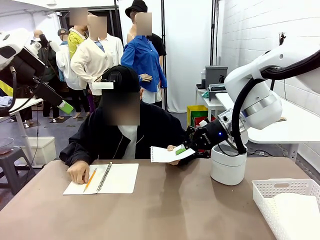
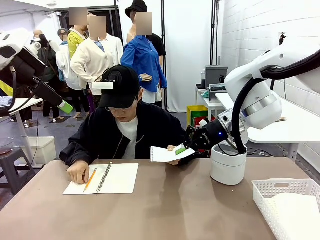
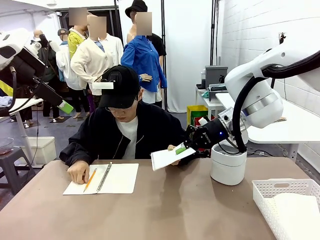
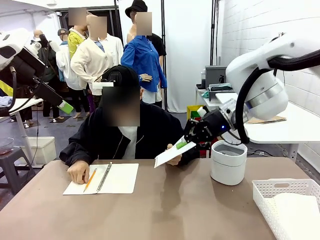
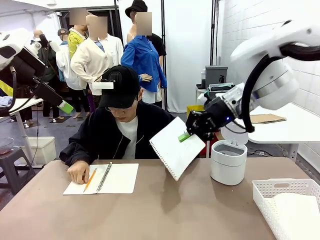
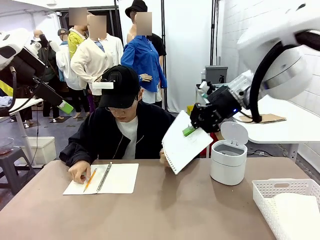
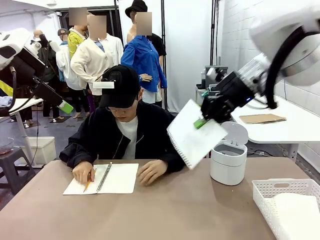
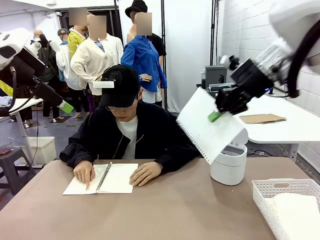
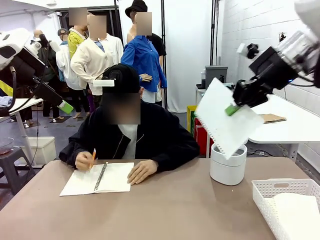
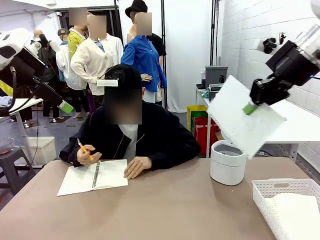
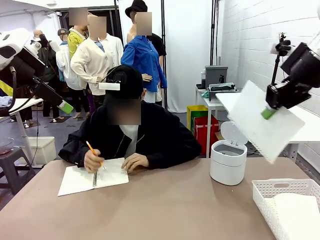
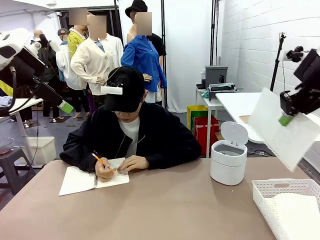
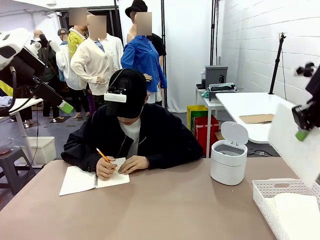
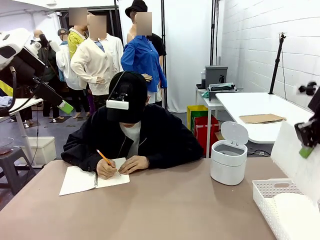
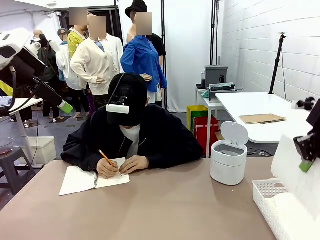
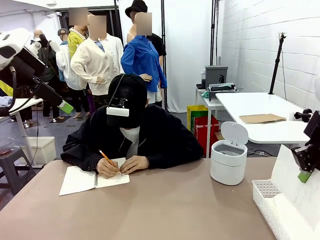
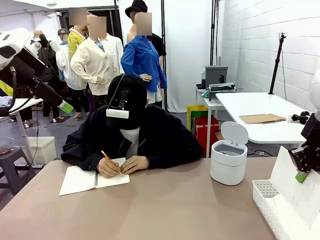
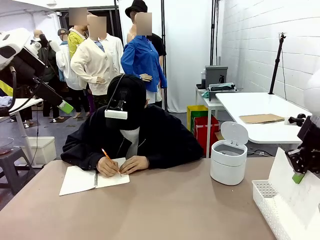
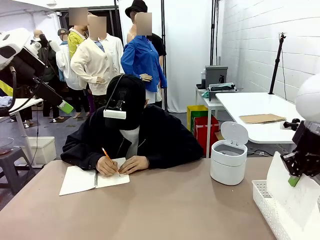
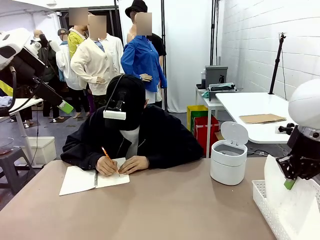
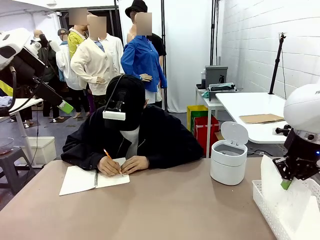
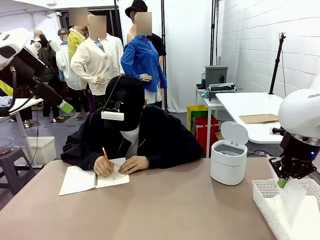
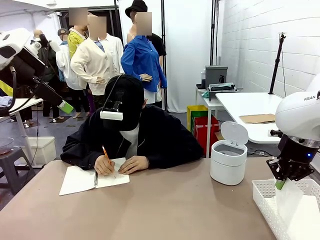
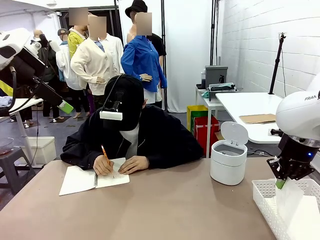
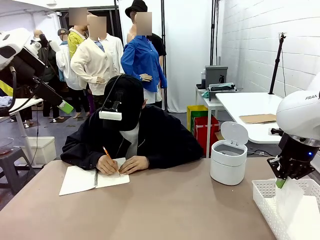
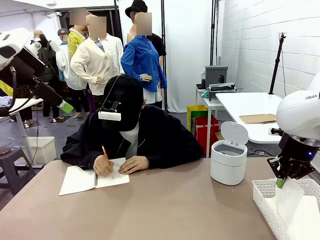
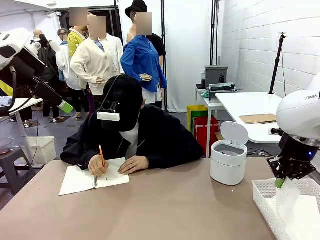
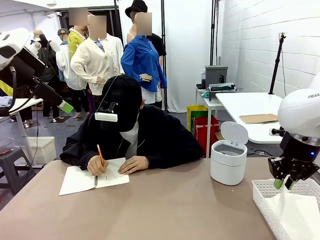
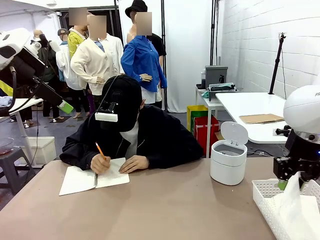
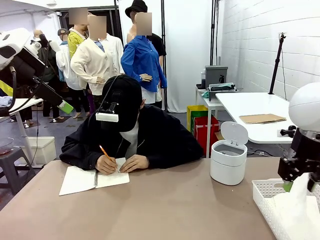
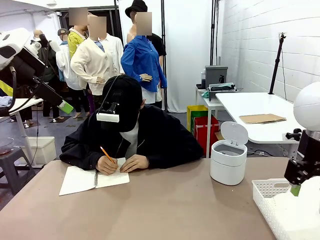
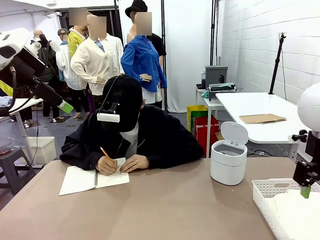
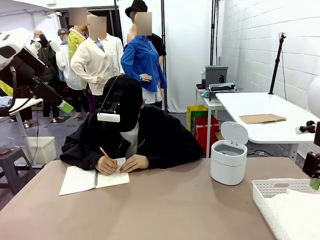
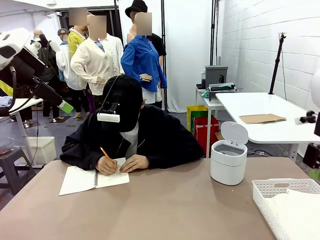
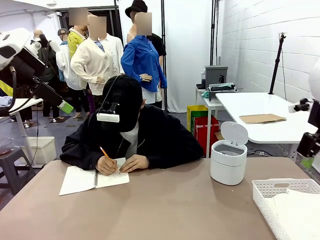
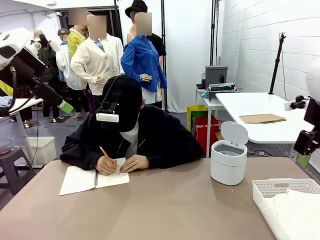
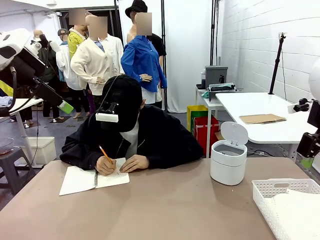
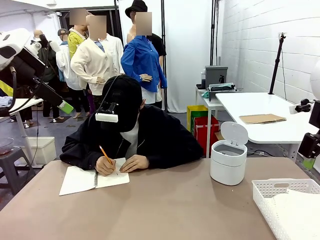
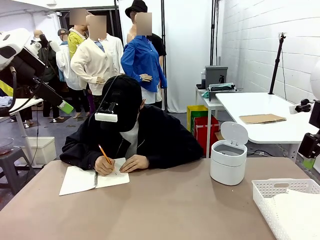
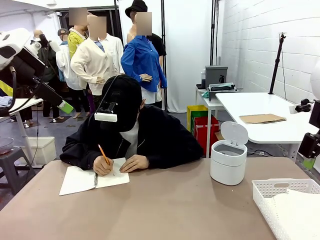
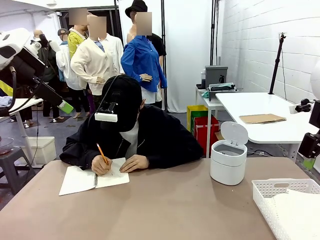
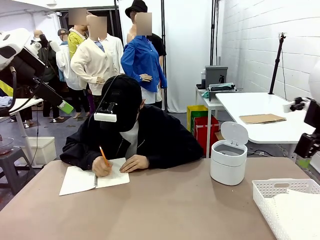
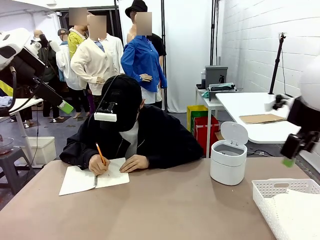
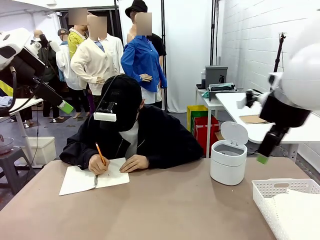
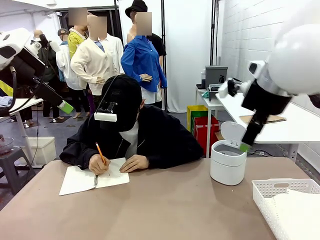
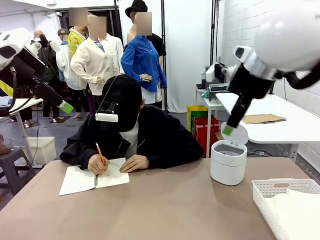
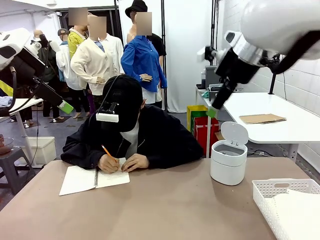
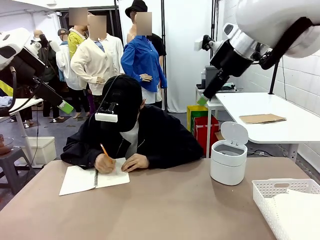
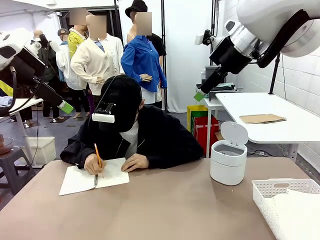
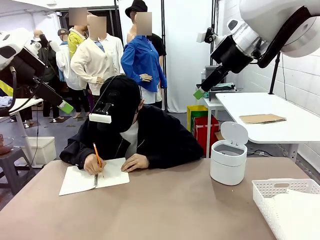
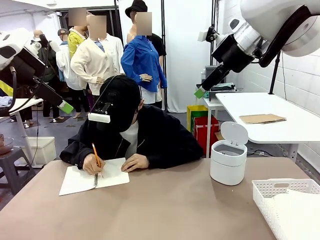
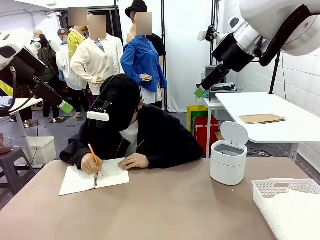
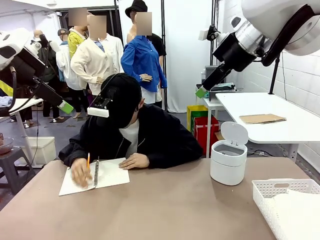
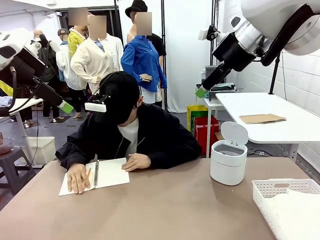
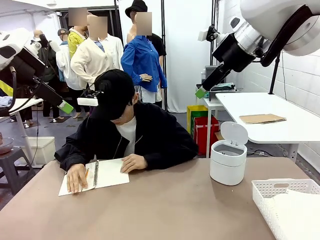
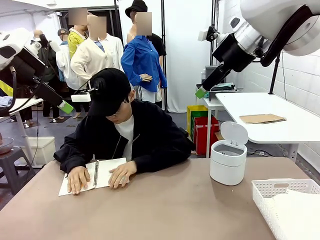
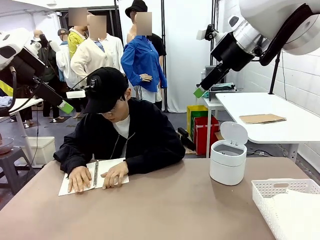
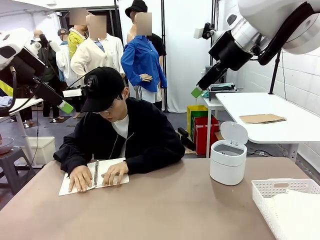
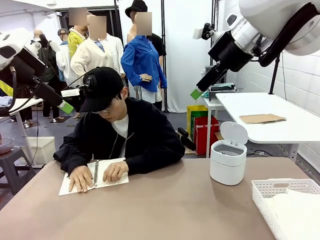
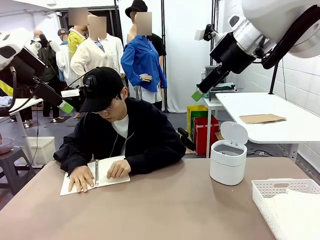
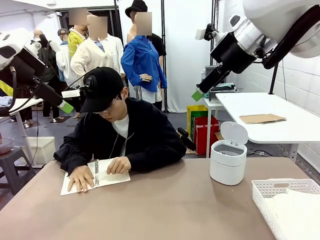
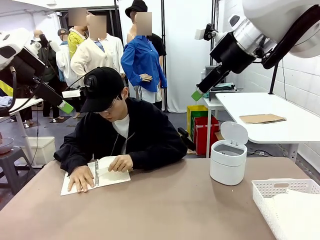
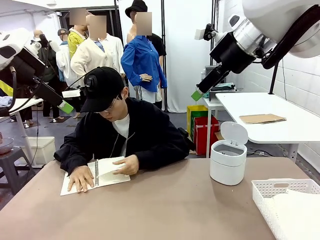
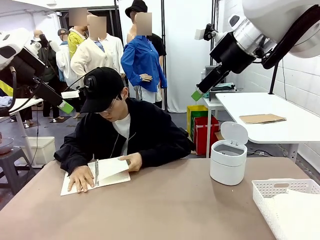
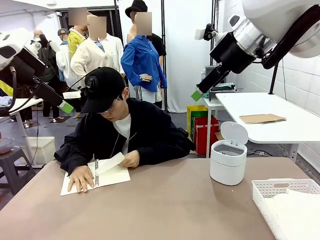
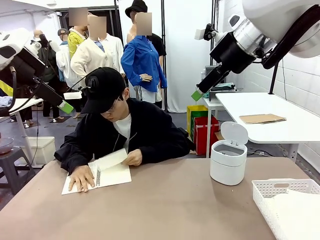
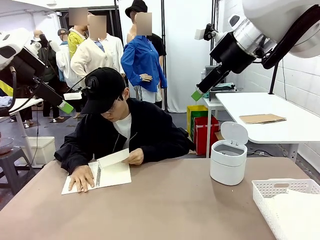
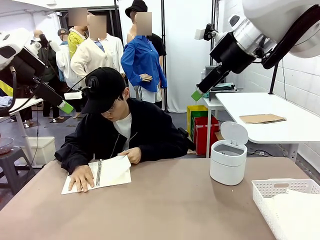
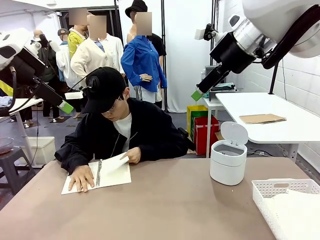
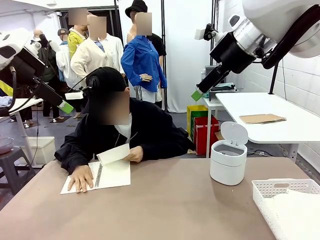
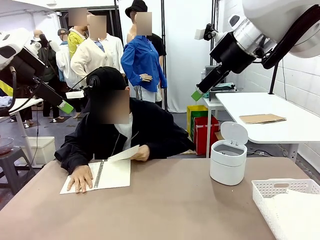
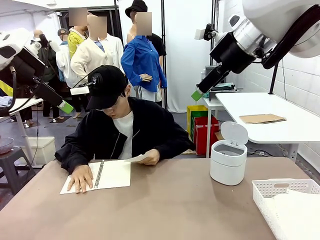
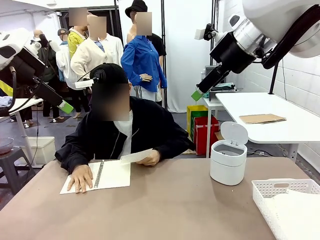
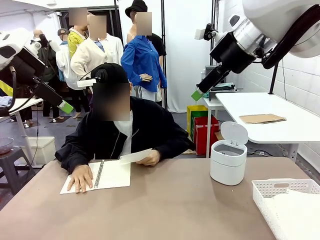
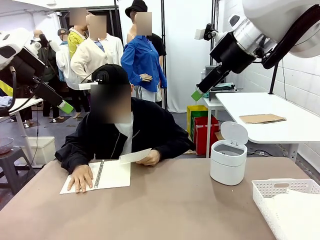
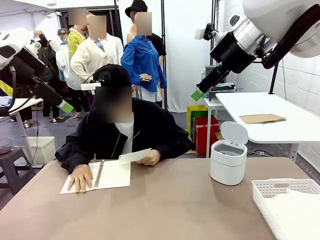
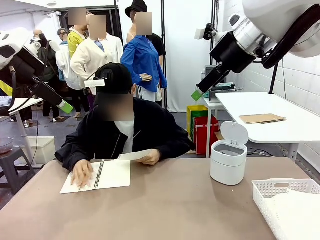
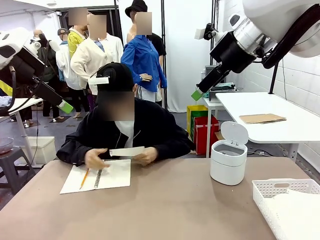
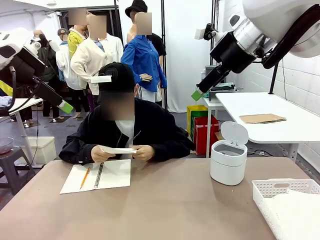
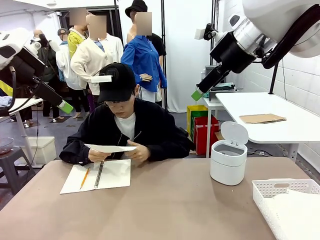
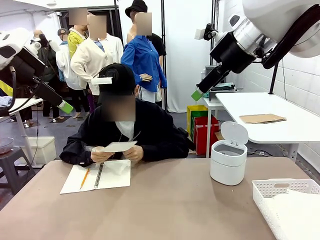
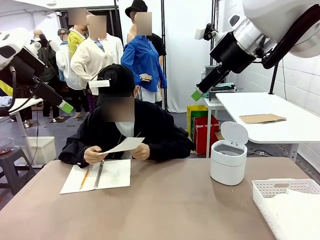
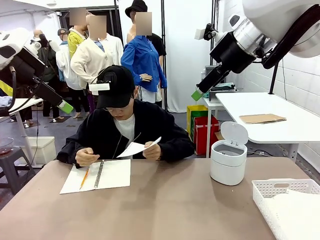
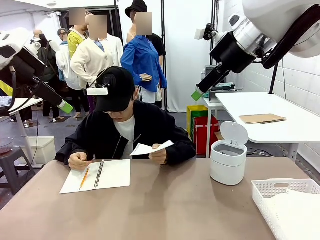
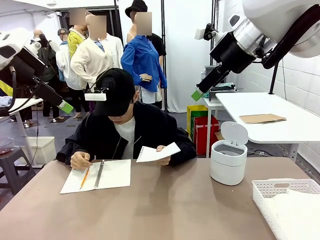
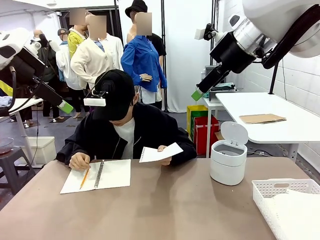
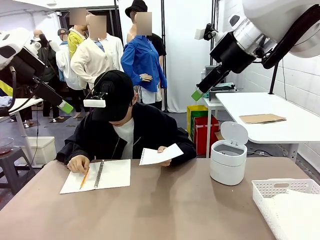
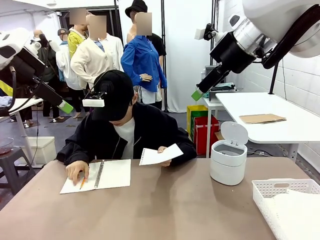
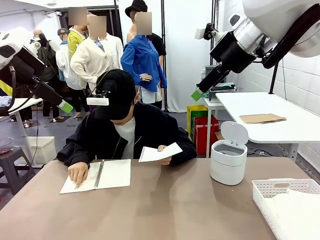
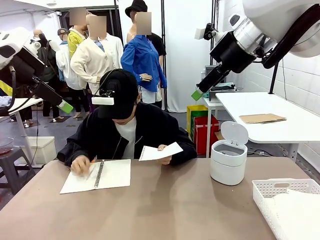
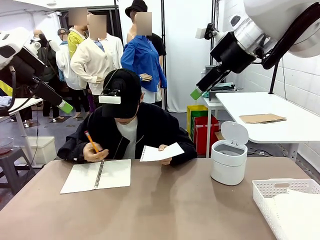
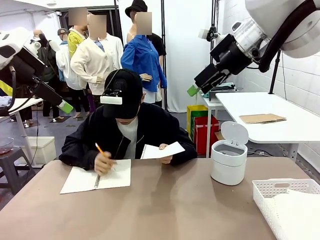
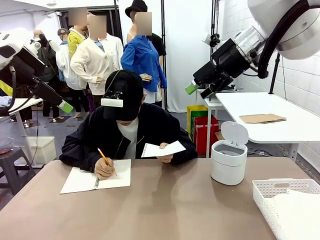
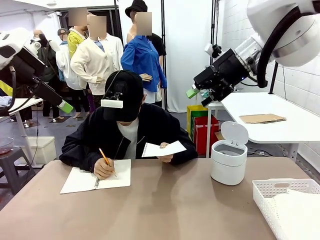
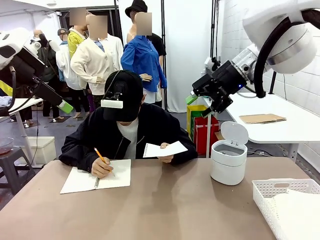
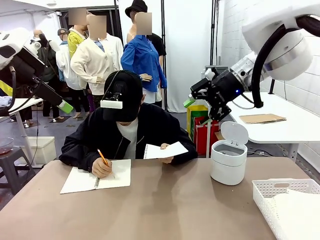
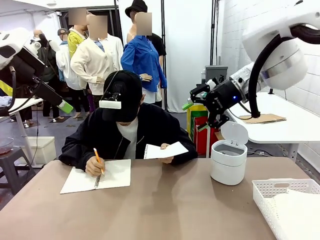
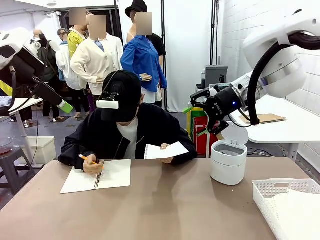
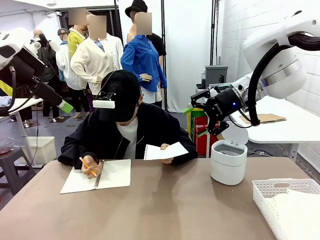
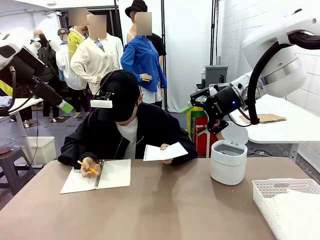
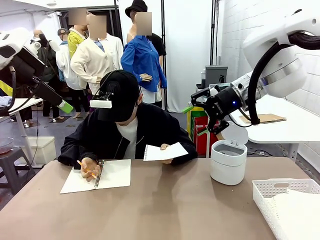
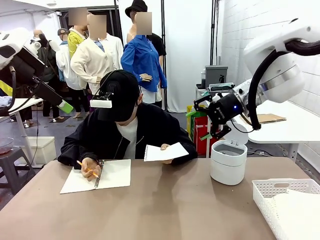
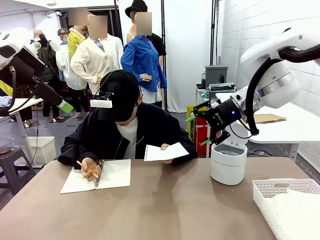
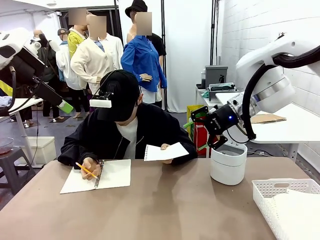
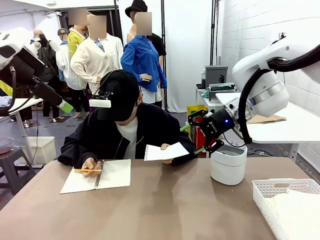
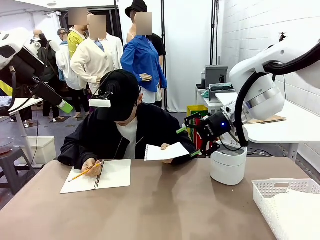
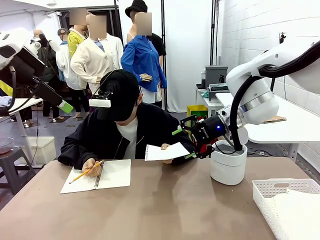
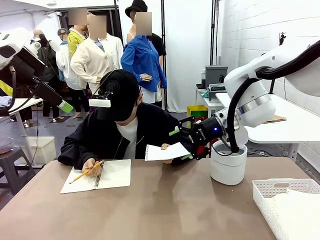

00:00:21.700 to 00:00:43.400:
Task: Sort the paper based on its condition.
Robot: If a person hands you a paper, place it in the Organizing basket , and if it's crumpled, put it in the Trash can.
Person: Tear out a page from the spiral notebook. Hand the torn page to the robot or crumple it and throw it to the center of the table.
